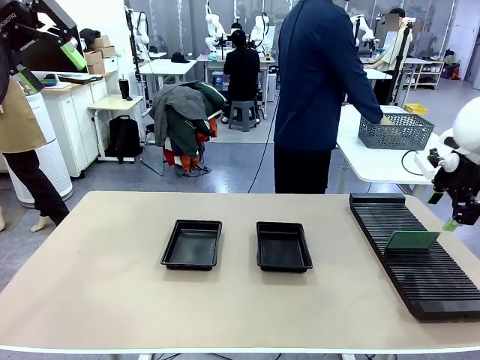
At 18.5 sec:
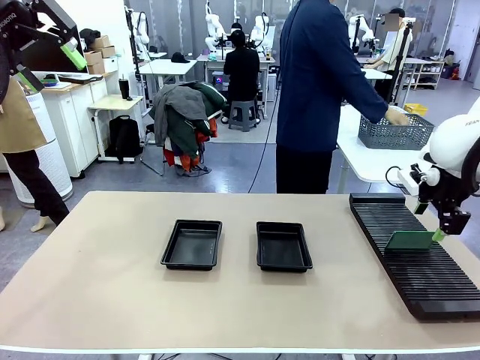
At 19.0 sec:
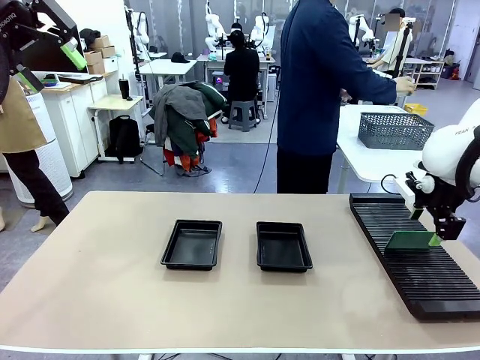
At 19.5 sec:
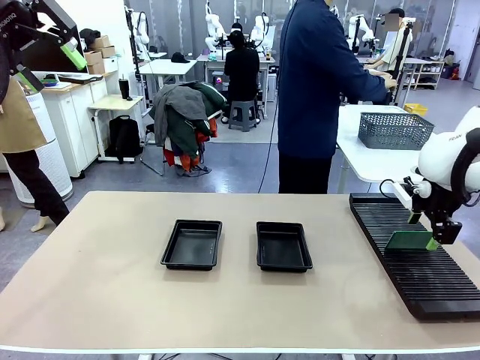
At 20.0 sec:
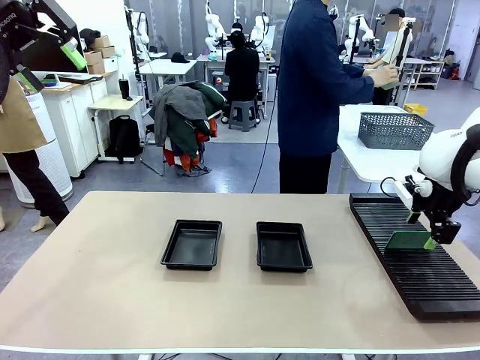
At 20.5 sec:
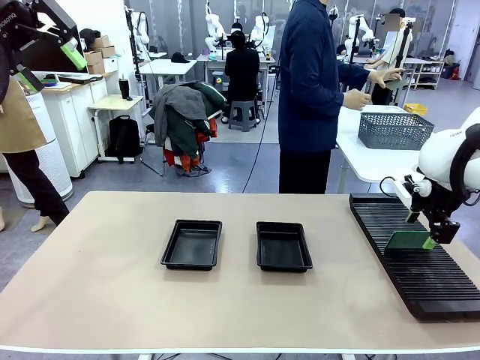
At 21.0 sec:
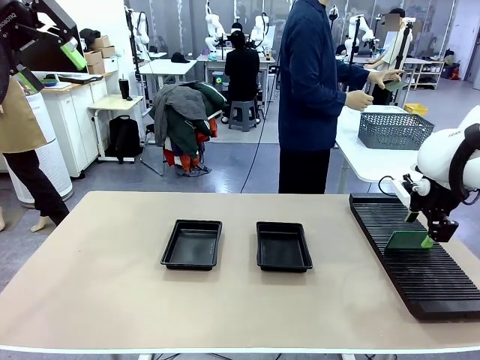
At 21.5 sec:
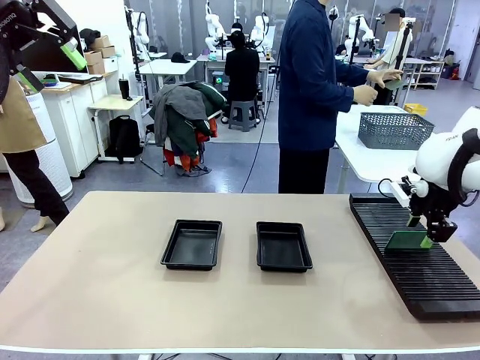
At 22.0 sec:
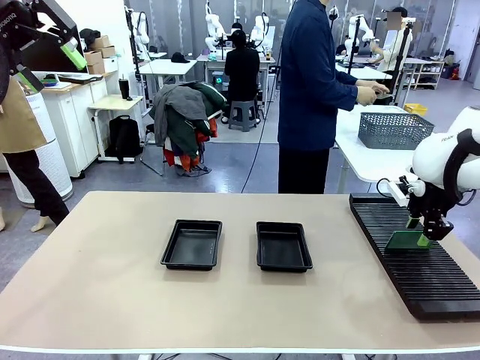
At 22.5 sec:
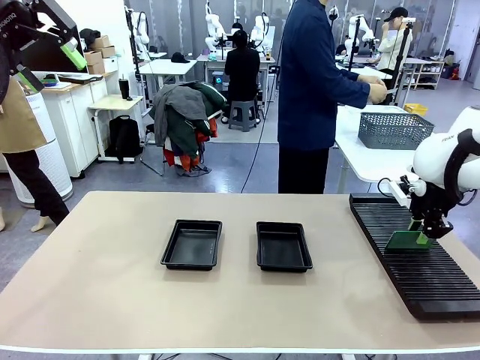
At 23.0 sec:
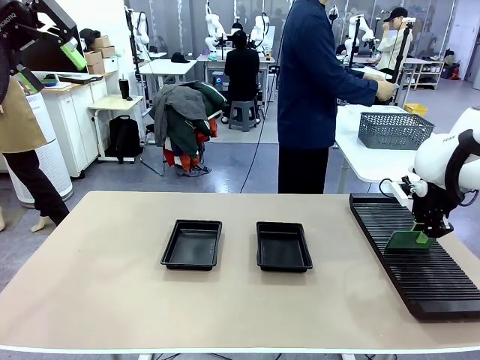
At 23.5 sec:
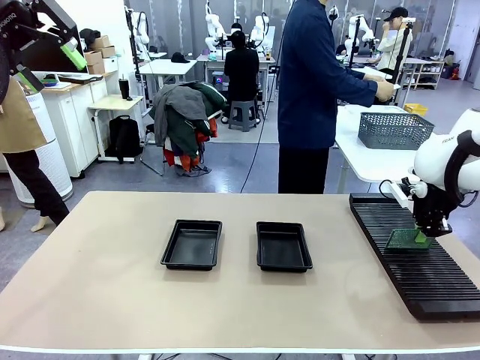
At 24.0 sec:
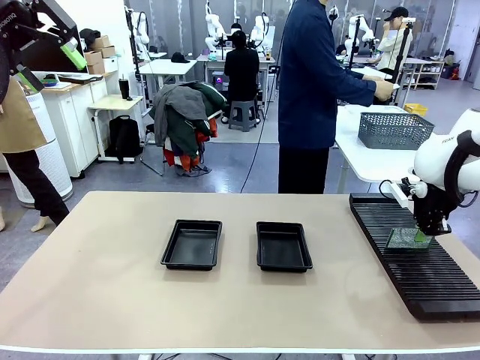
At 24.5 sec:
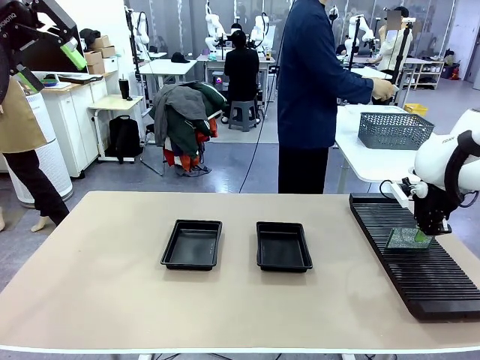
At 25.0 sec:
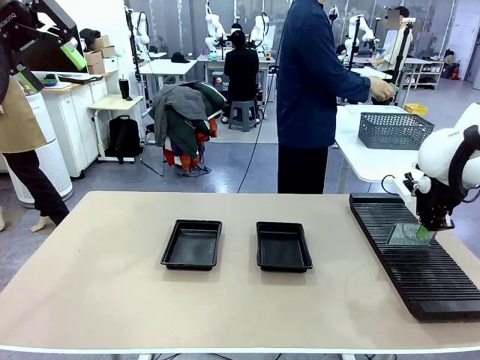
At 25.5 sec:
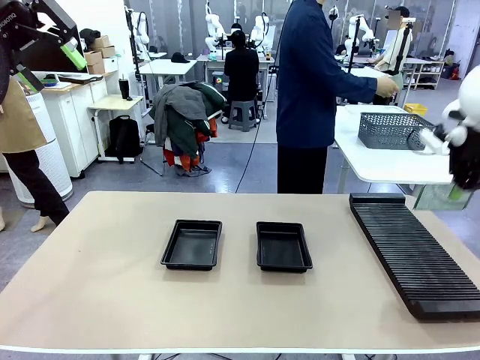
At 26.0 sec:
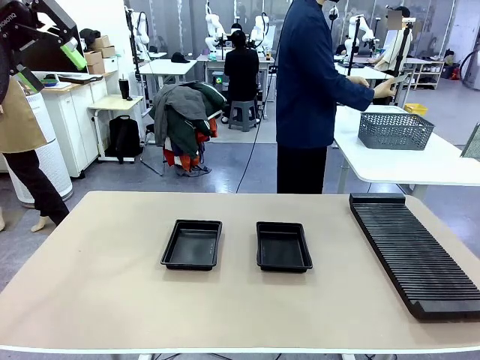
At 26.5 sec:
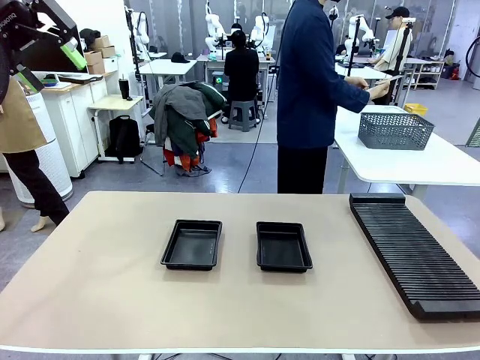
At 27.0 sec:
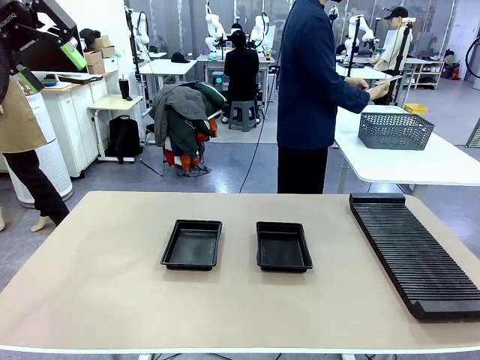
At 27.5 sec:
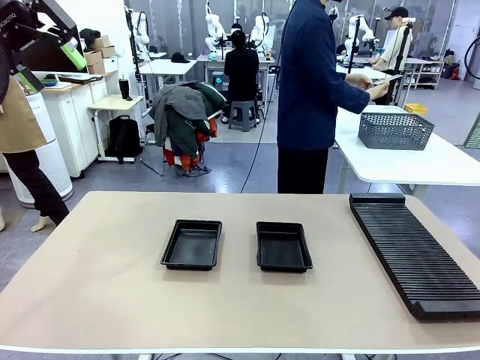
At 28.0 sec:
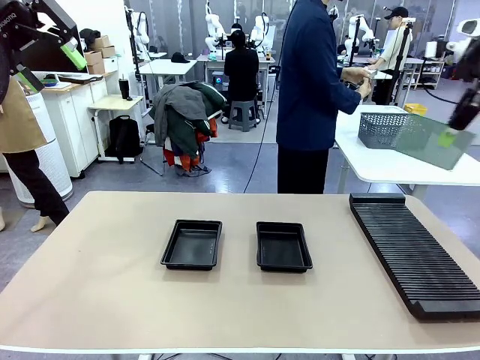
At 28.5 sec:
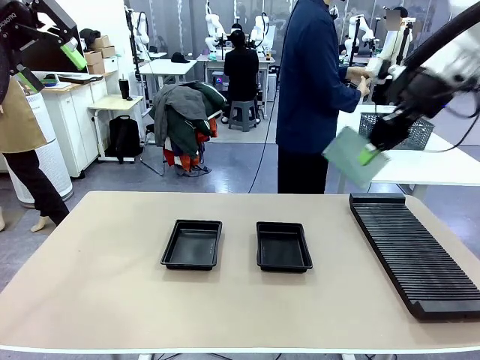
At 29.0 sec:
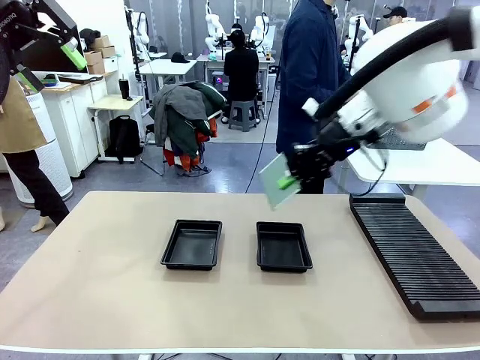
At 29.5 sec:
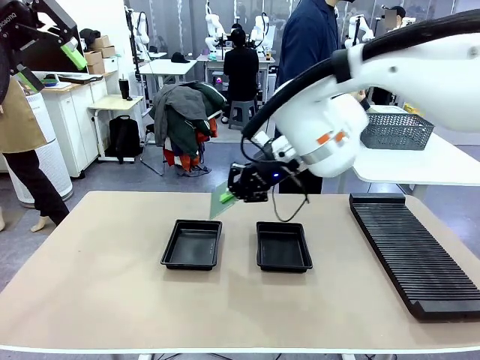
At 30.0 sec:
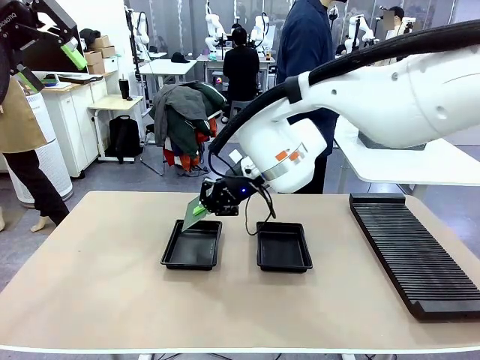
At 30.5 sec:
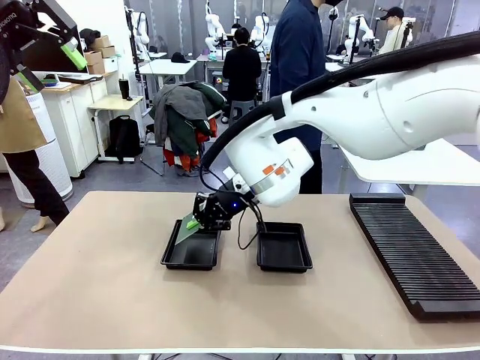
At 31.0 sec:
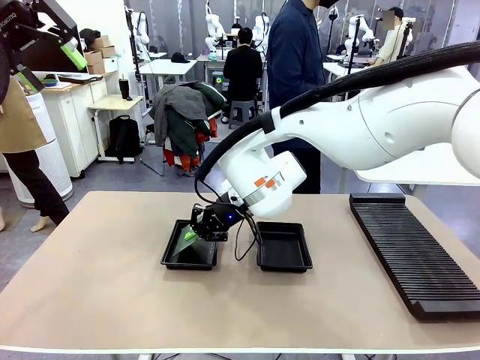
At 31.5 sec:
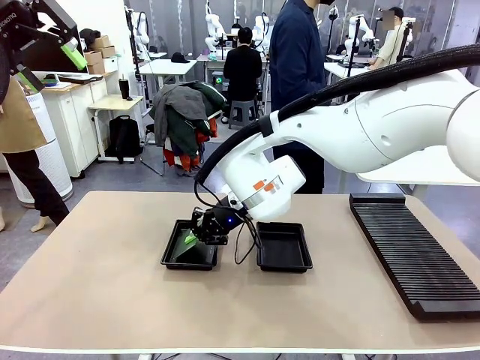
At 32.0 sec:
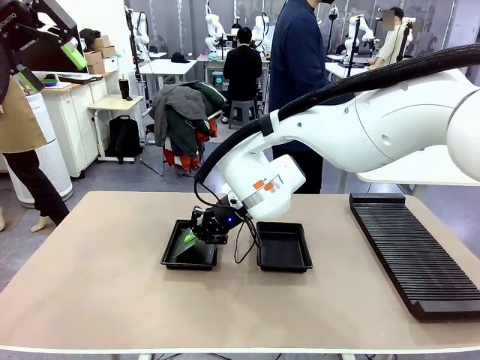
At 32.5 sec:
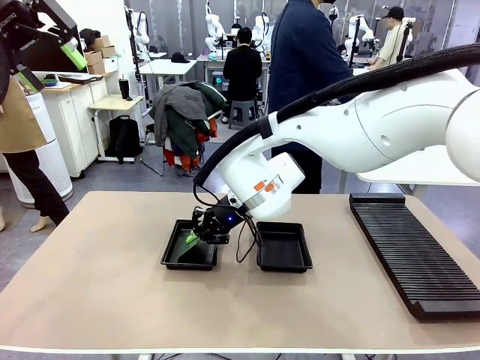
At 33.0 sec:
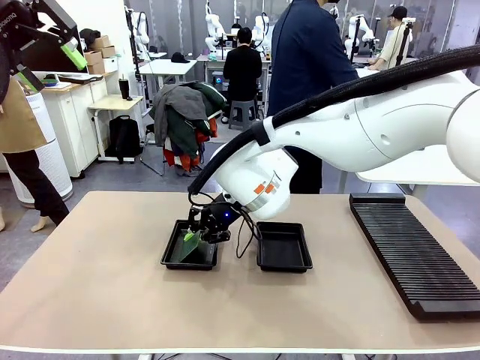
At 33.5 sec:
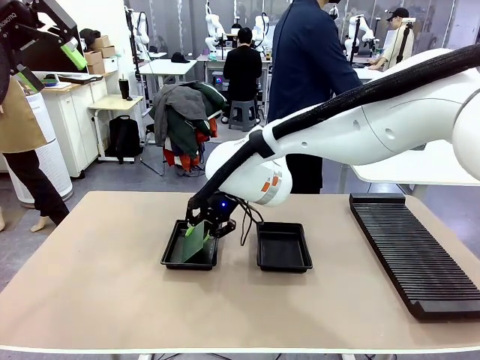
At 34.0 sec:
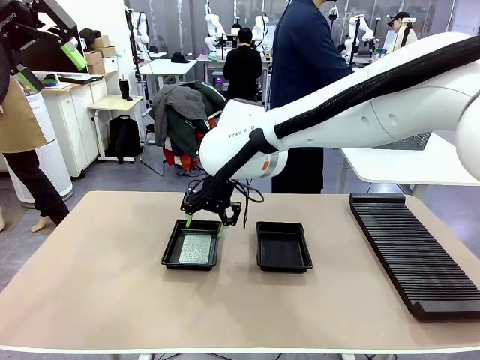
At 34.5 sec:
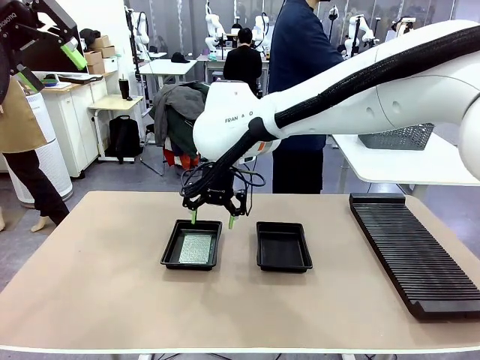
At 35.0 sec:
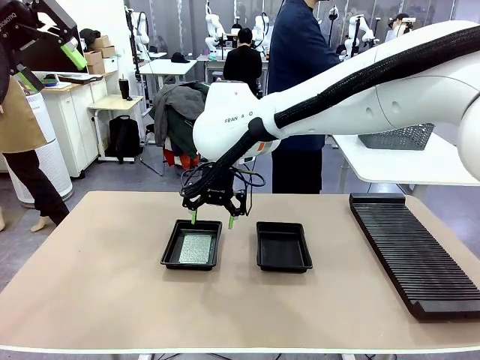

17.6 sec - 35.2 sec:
Task: Inspect and transfer BCBs to ESD trays.
Robot: Pick up the Blank PCB from the PCB Rack and place it in the left ESD tray.

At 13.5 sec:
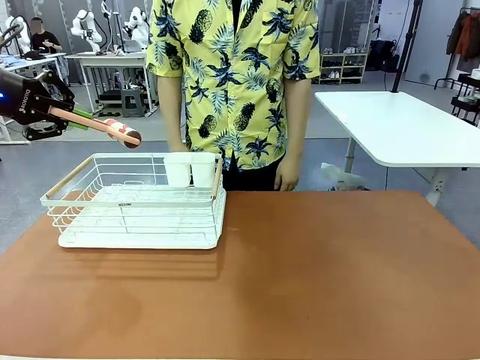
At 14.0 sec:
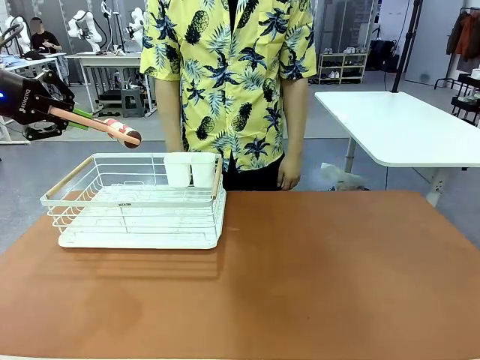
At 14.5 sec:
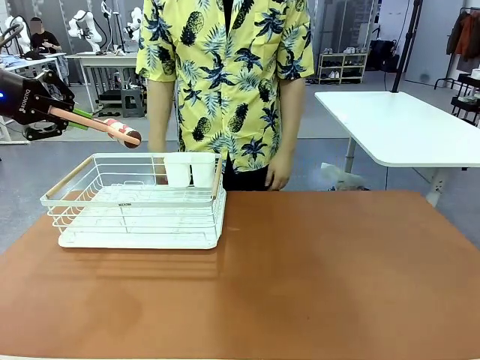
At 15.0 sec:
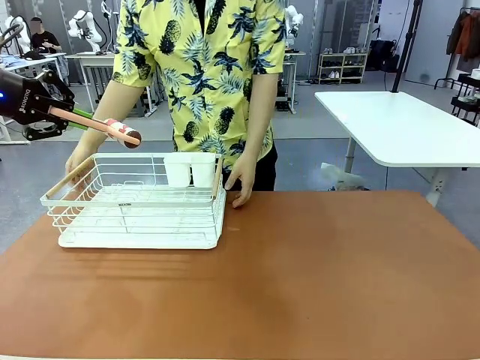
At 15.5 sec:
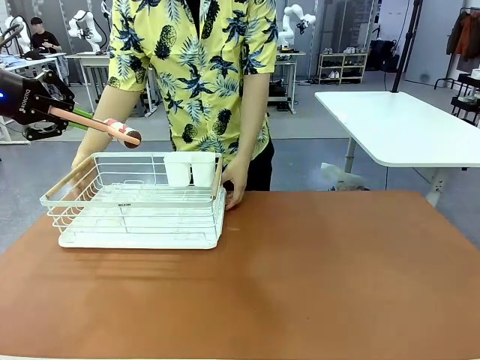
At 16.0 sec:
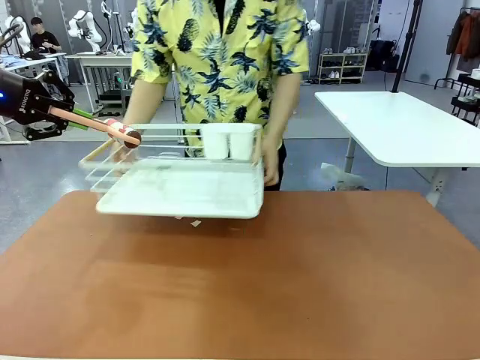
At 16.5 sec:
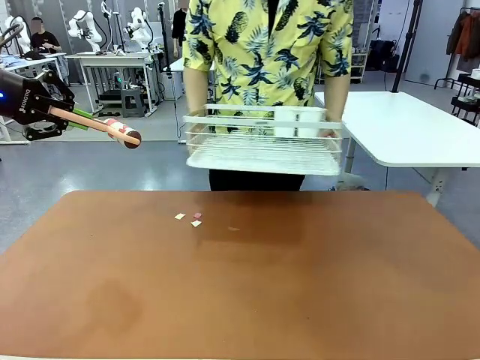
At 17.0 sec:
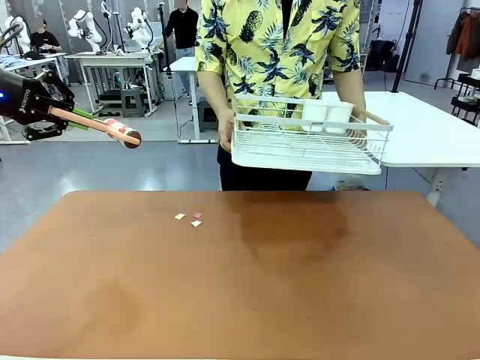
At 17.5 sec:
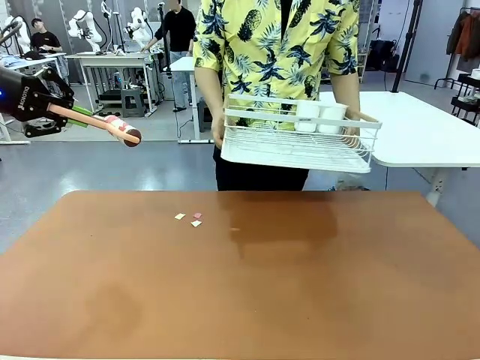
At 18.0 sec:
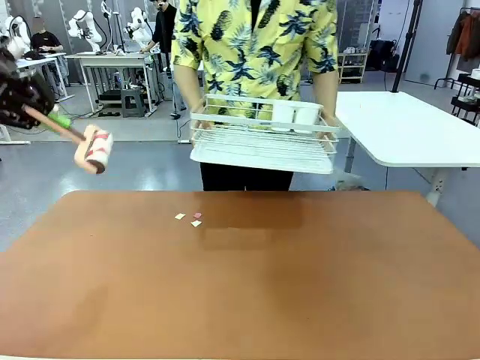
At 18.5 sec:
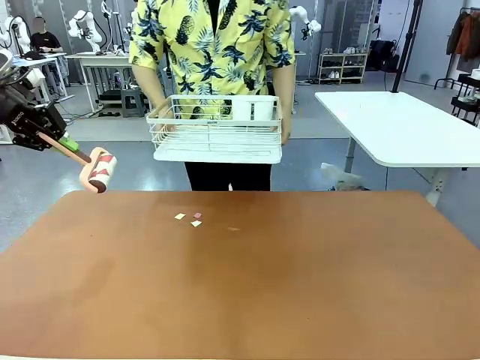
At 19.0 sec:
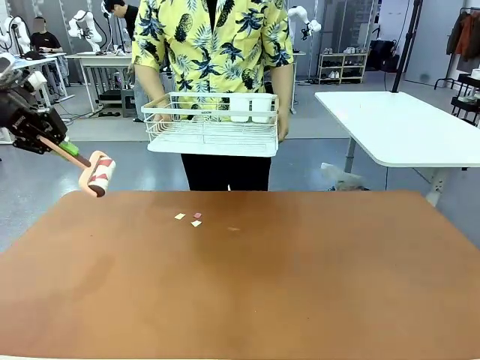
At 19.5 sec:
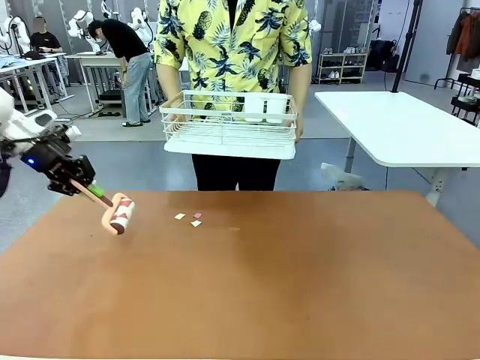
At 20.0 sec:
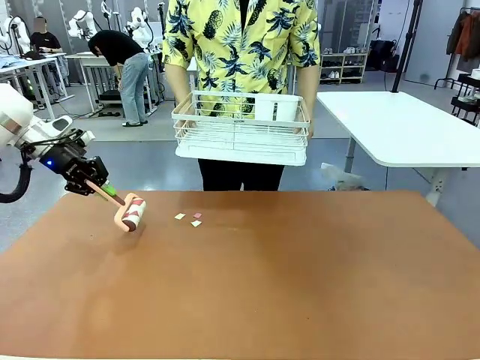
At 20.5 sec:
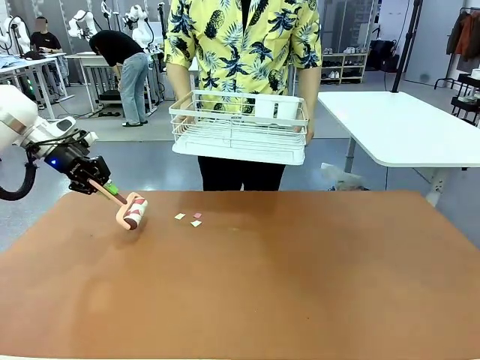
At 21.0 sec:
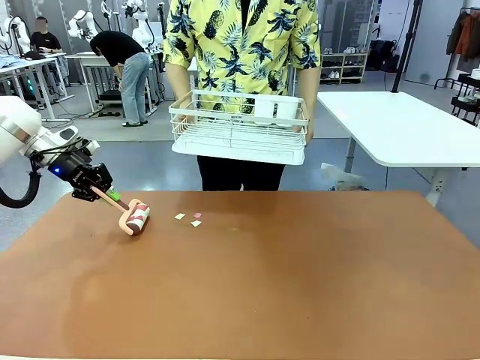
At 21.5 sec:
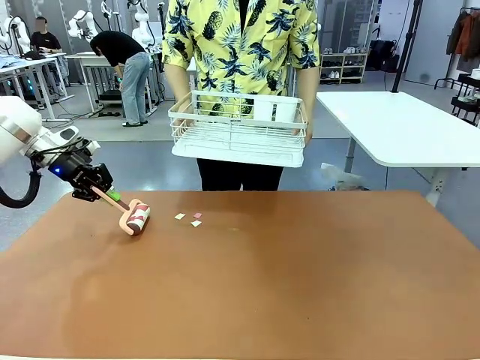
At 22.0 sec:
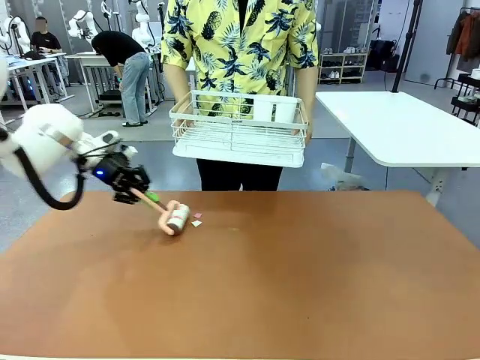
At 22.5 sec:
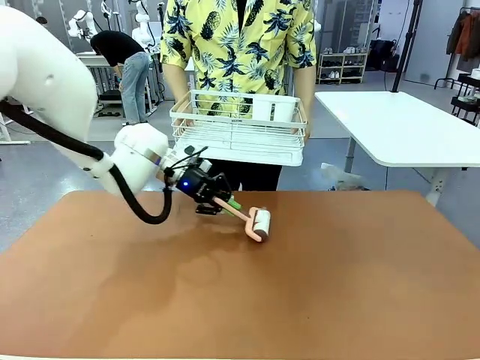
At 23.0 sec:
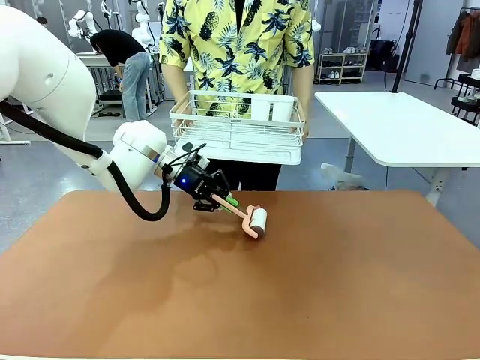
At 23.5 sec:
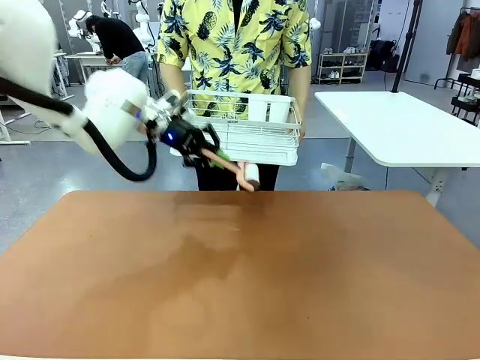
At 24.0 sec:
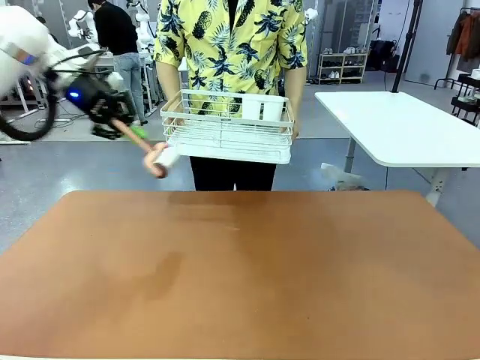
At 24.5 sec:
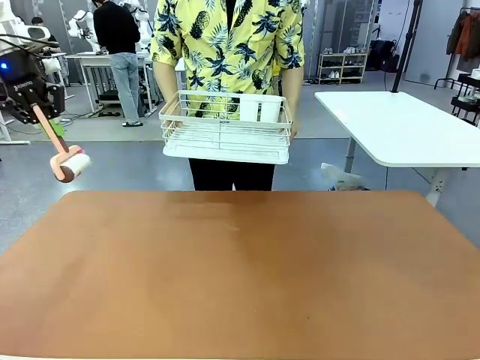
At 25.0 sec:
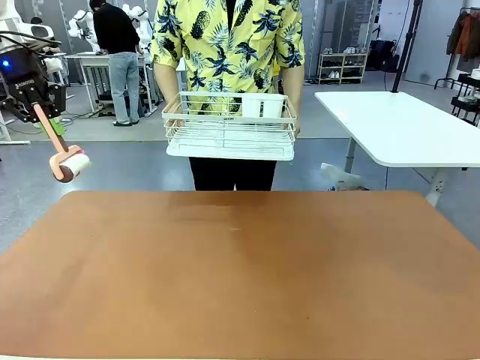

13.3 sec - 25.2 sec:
Task: Clean the table.
Robot: Clean the table with the Lint Roller when the human lifts the Dish drying rack.
